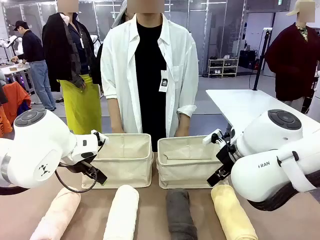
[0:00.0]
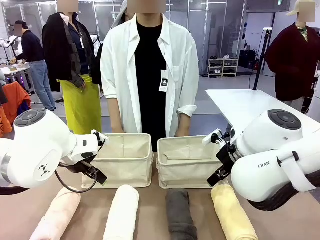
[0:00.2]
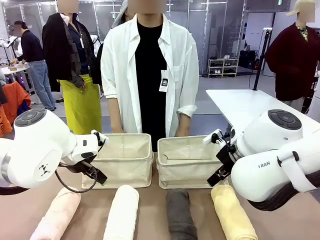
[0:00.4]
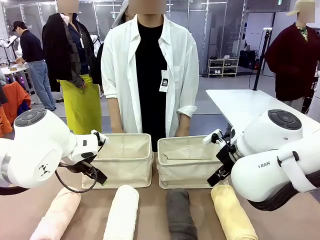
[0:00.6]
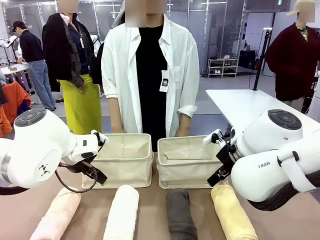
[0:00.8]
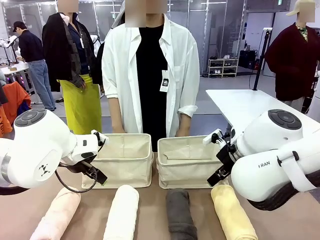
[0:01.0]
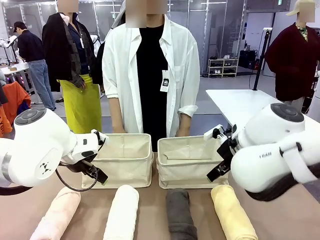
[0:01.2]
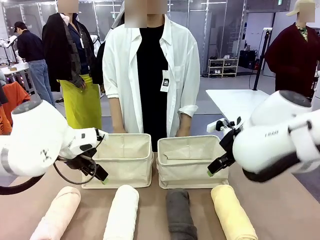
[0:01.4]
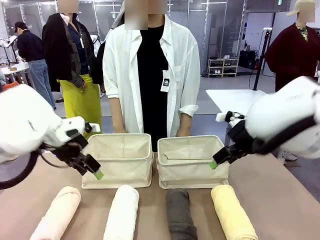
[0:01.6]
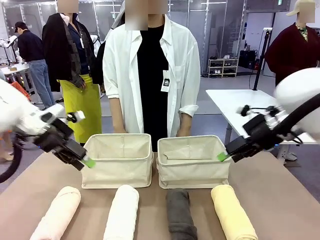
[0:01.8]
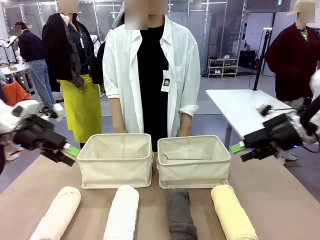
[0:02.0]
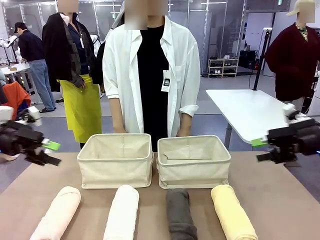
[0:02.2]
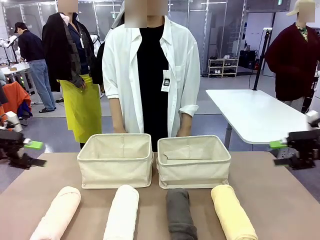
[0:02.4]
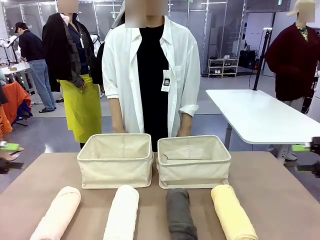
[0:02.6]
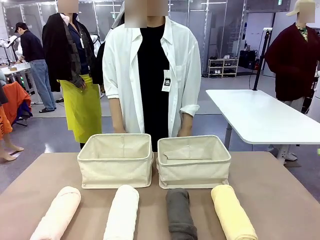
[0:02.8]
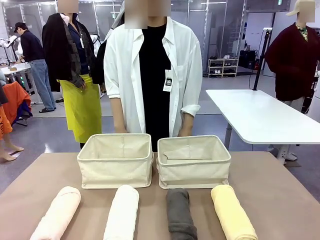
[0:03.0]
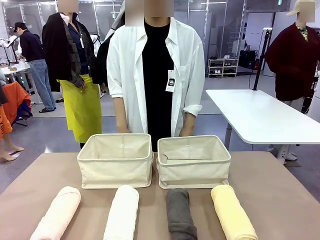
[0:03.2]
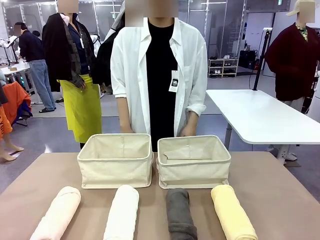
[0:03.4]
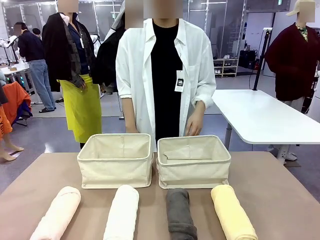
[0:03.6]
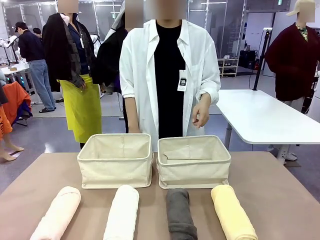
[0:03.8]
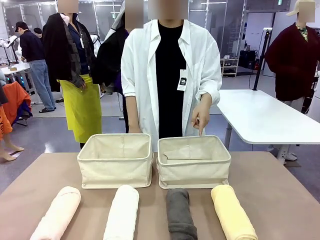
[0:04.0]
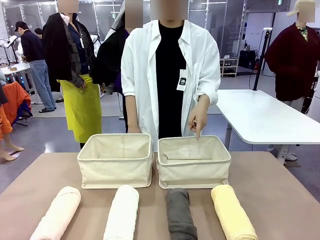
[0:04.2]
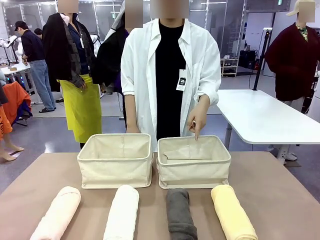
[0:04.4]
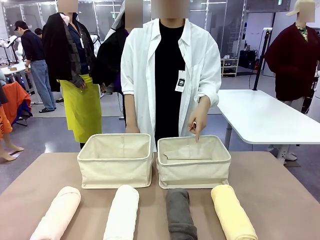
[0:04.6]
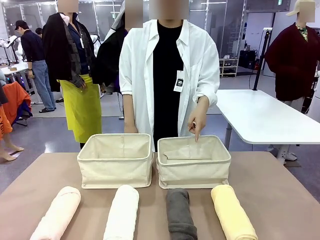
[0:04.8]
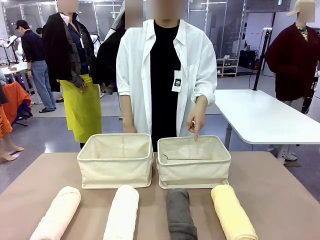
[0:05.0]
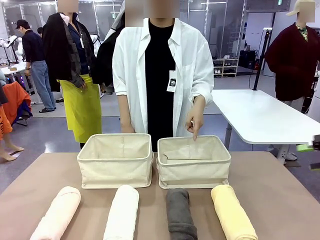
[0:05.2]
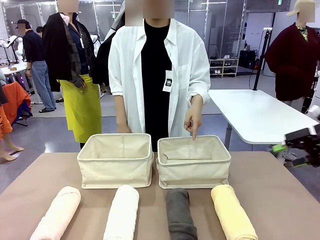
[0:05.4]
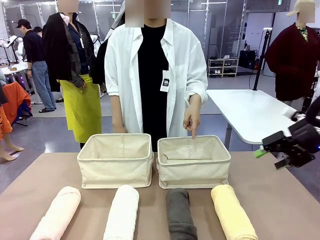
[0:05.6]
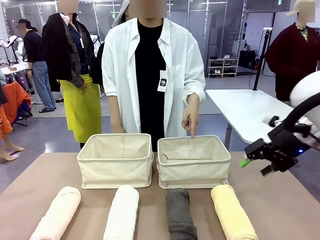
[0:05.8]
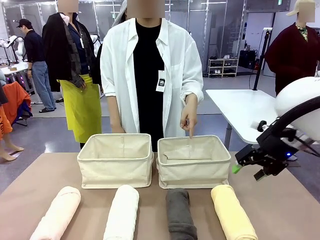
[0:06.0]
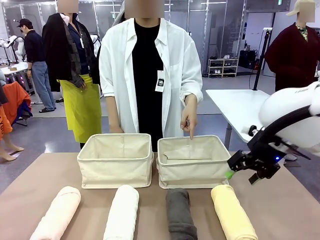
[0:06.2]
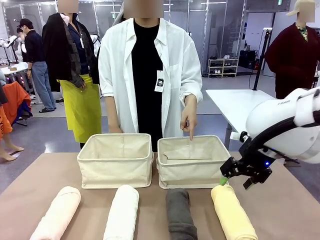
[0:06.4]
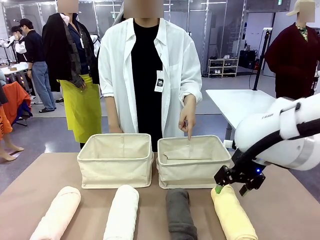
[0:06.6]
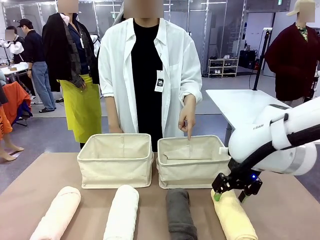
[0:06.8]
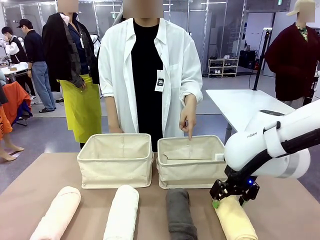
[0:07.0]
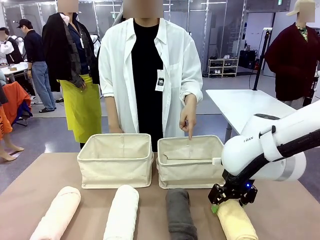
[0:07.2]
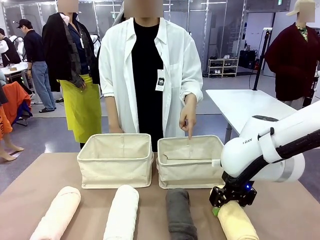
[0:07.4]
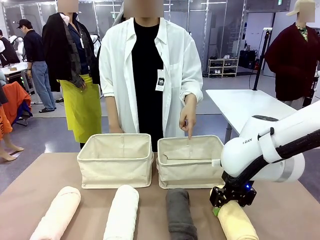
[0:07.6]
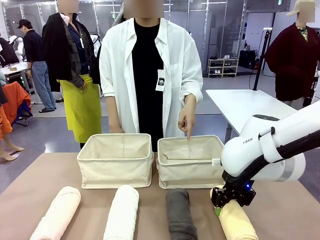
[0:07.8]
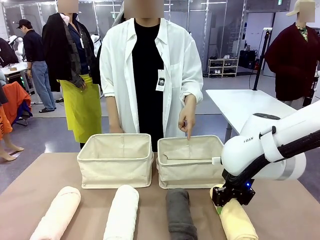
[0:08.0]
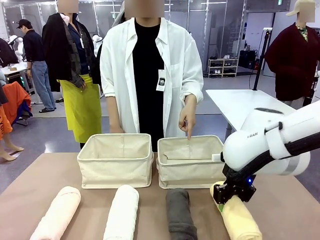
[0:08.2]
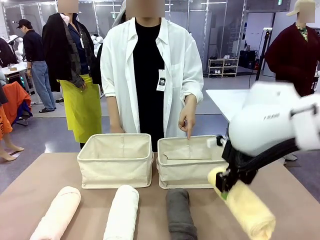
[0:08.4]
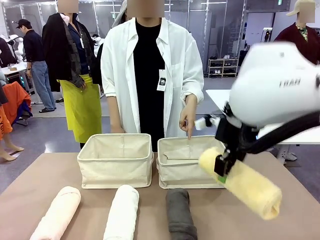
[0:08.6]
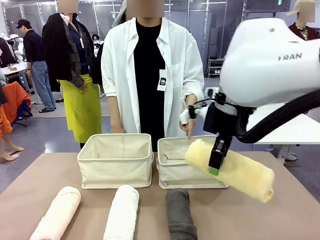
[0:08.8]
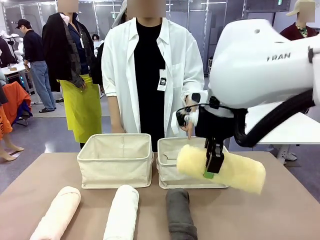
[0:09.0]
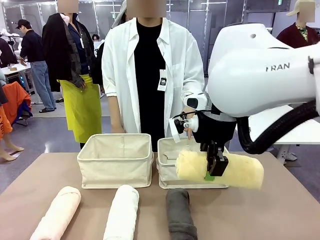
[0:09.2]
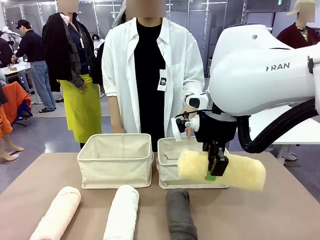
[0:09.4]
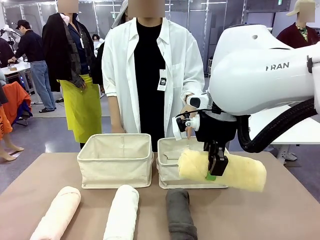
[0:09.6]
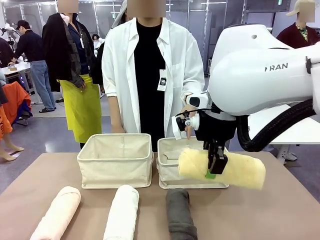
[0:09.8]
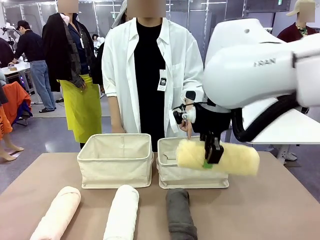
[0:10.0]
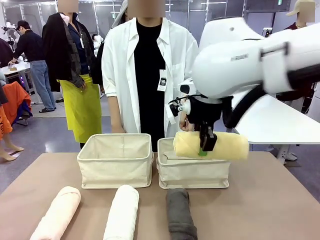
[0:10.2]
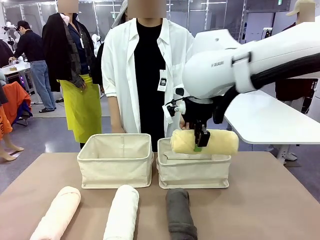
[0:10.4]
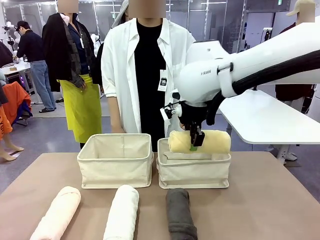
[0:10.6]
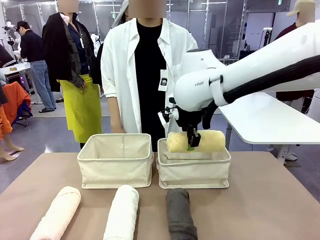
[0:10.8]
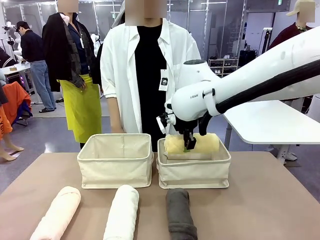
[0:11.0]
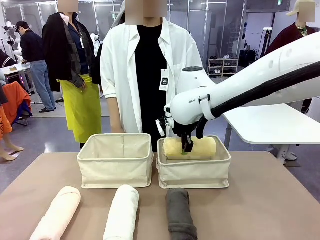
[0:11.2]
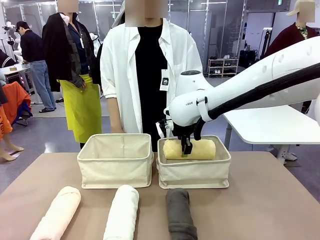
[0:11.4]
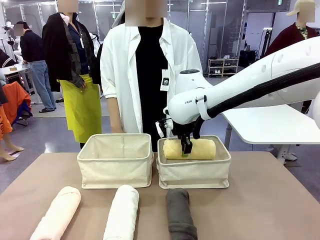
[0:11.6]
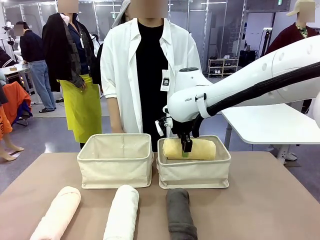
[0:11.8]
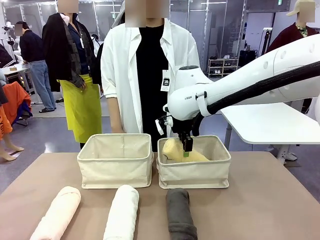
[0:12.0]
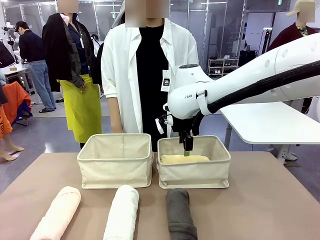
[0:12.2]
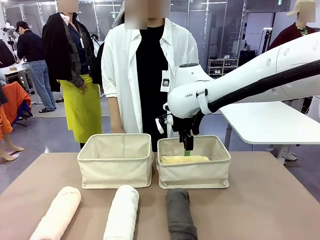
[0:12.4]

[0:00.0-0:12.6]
Task: Divide the towels into two baskets.
Robot: Pick up one hotel-folded towel and place it in the Fabric basket indicated by the person.

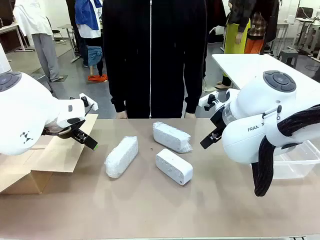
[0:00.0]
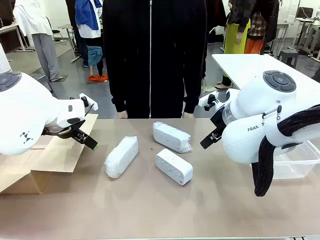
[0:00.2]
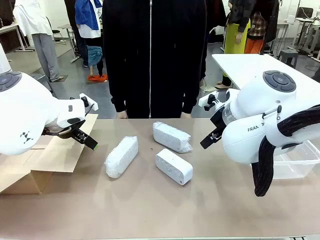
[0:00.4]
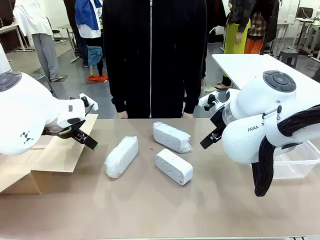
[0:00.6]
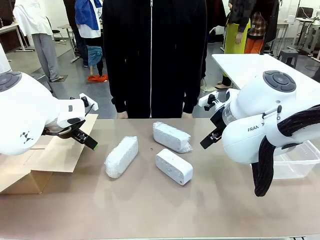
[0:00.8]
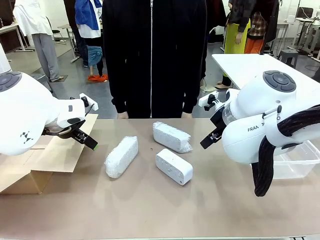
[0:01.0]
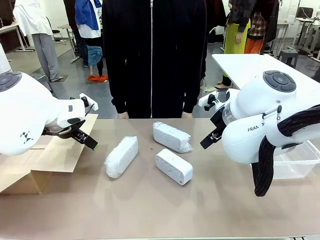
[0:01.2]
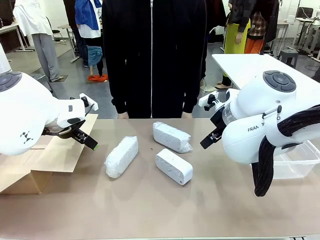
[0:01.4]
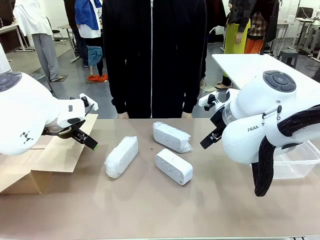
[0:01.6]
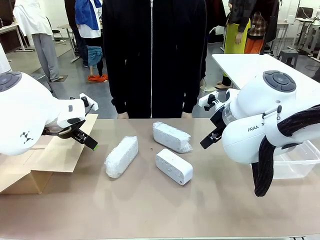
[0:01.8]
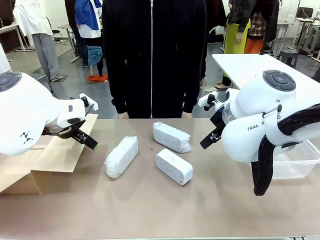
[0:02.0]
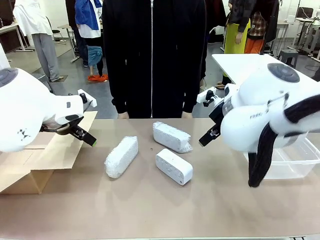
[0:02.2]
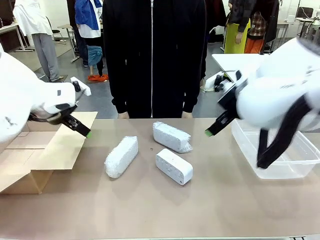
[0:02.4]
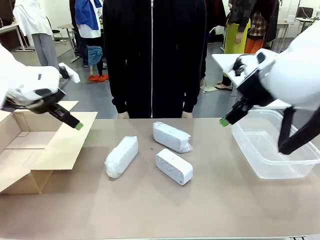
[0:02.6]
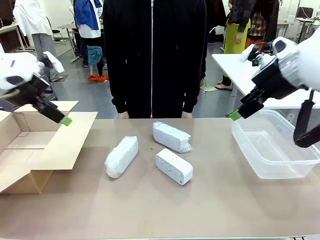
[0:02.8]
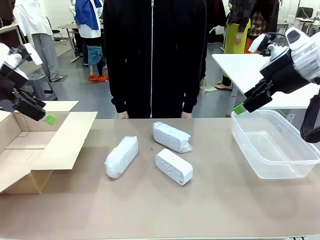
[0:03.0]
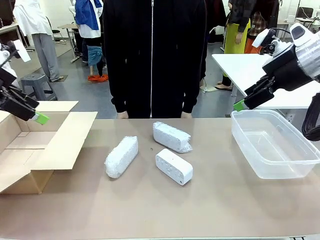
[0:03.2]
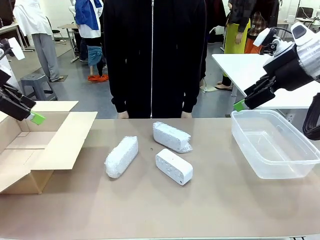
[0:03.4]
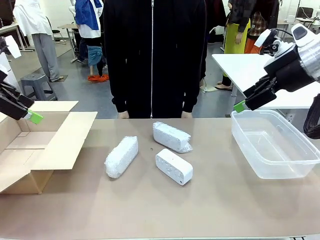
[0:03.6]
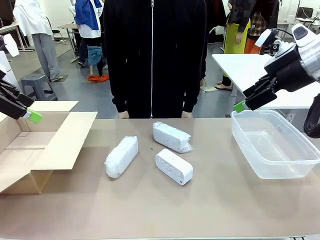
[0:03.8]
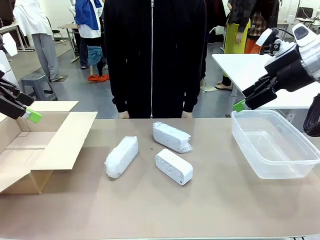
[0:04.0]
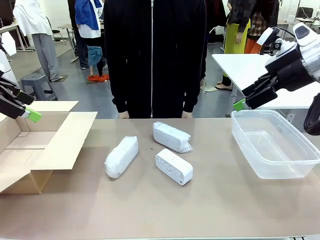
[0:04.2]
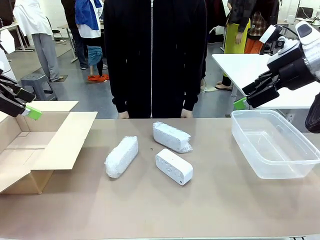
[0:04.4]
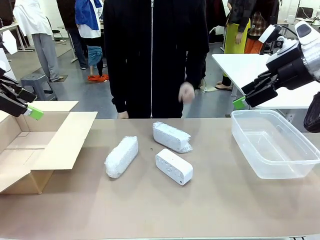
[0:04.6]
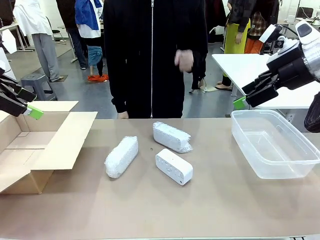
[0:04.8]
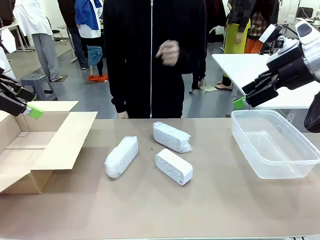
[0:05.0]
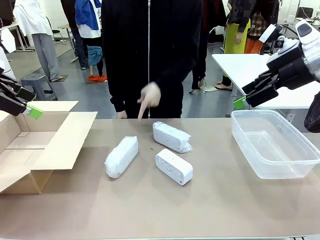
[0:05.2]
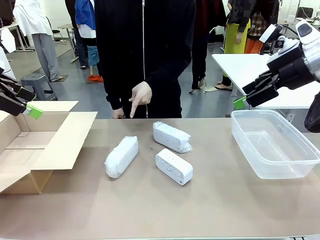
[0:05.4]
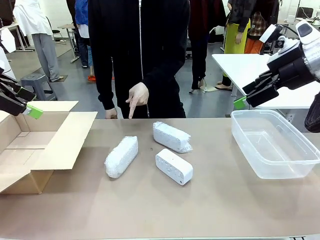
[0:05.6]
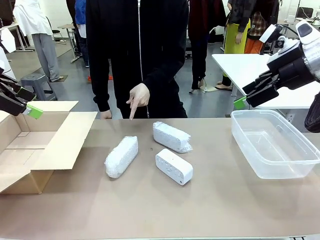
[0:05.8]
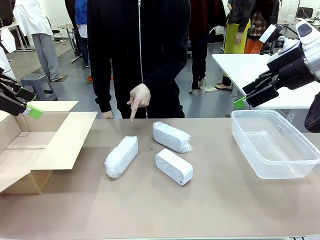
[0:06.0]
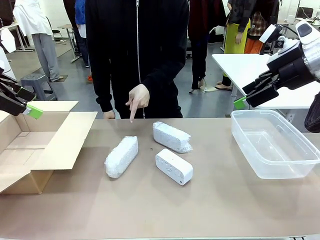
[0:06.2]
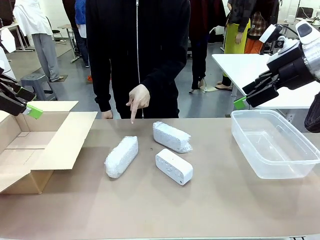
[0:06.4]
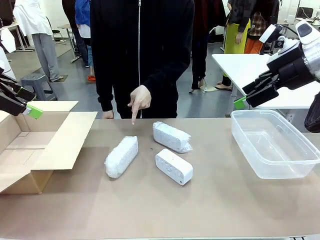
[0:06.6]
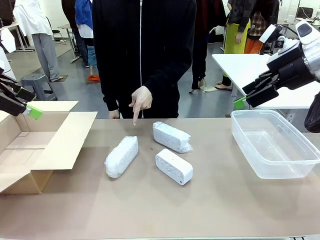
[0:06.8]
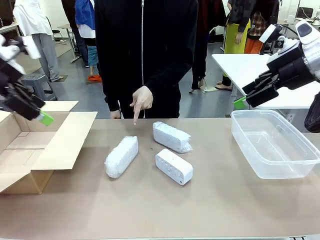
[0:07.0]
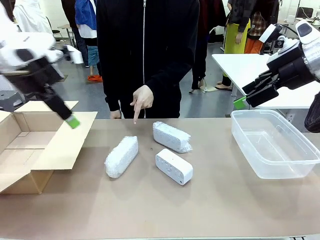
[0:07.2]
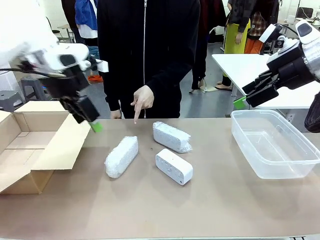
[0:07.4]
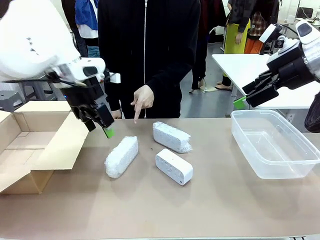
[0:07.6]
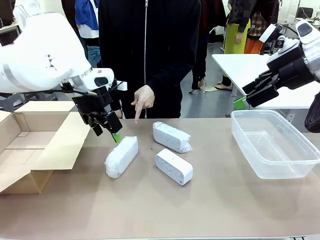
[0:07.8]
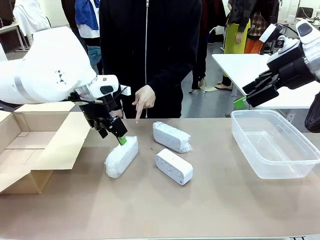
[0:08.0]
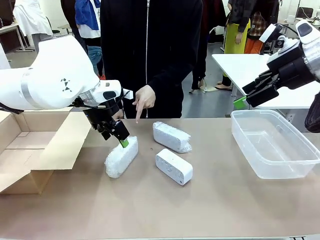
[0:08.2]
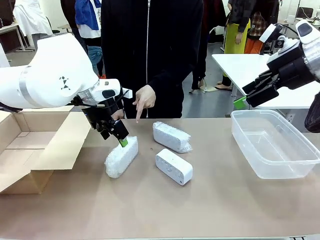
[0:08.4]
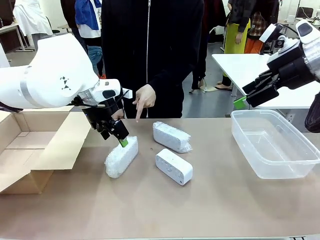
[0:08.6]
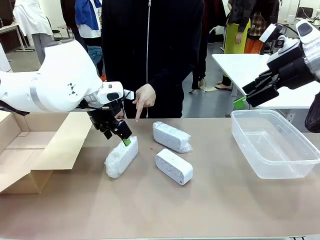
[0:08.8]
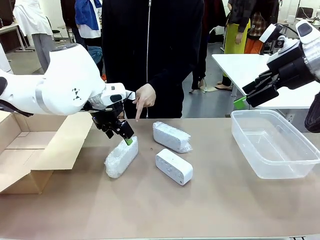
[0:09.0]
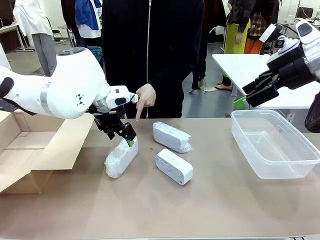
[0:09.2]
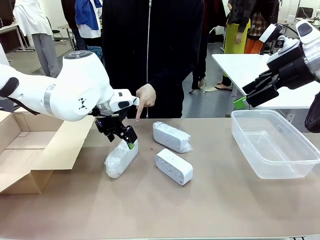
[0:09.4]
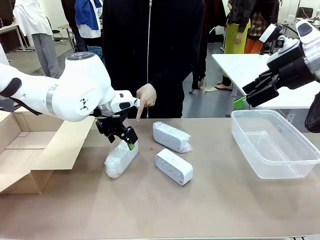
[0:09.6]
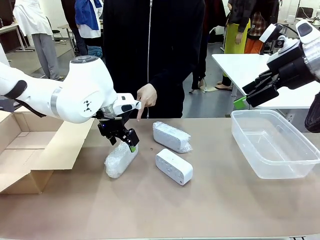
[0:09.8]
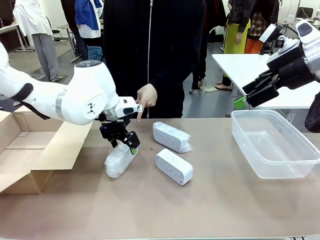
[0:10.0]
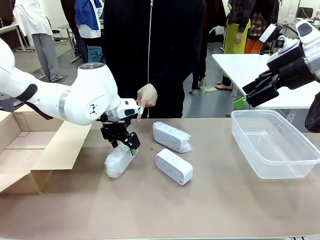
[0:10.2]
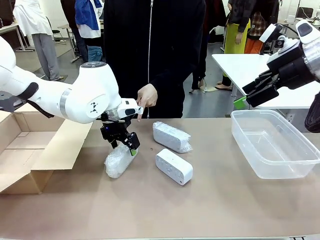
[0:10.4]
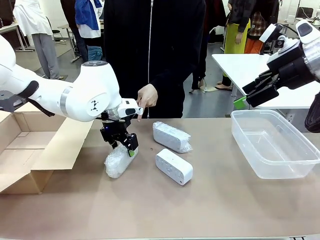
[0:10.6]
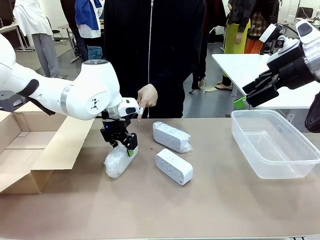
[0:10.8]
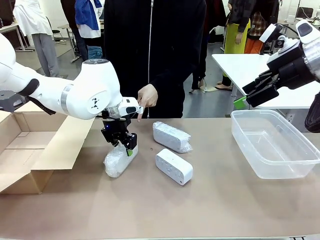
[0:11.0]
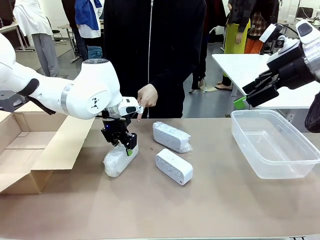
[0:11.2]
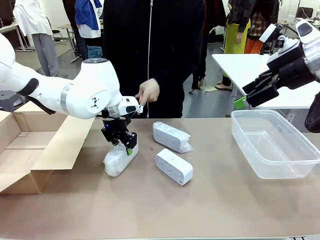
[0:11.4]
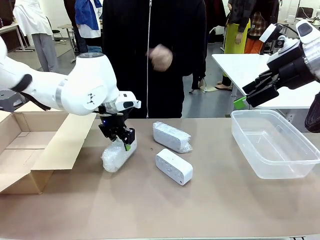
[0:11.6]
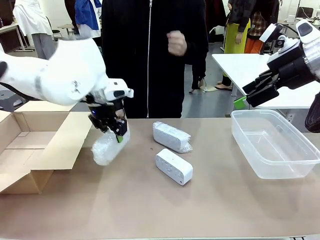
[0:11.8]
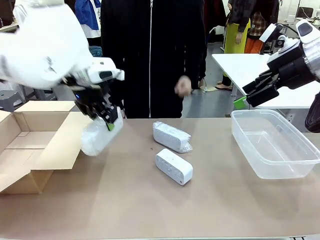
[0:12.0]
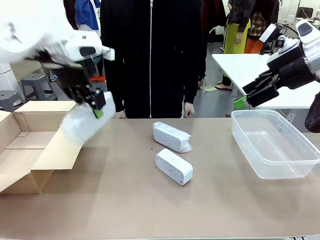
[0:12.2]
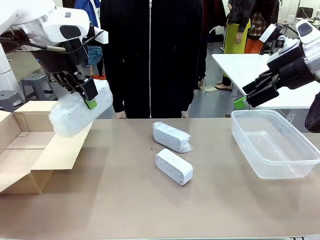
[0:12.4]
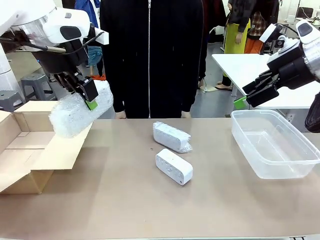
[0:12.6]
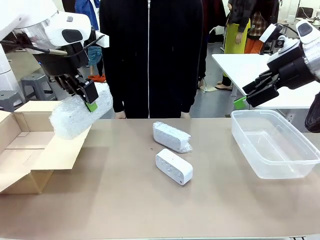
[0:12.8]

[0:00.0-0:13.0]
Task: Separate and place wrapped and unwrapped clocks.
Robot: Pick up the Digital clock indicated by the person.
